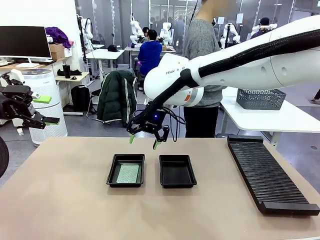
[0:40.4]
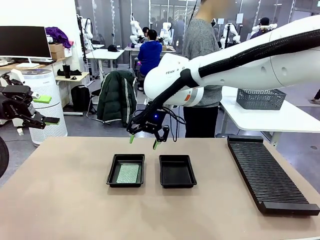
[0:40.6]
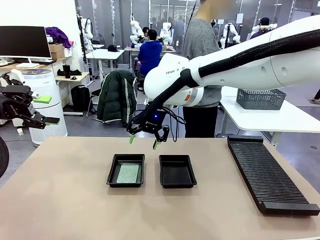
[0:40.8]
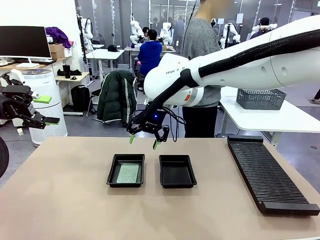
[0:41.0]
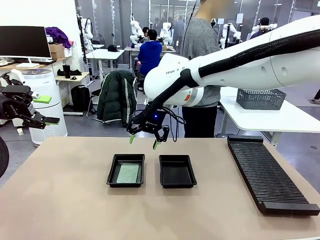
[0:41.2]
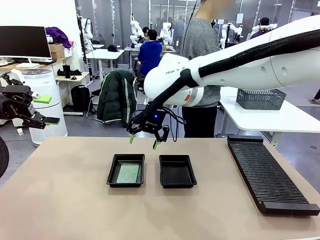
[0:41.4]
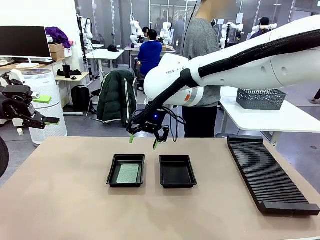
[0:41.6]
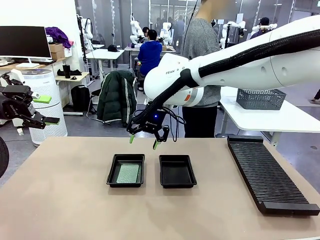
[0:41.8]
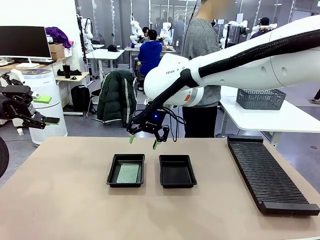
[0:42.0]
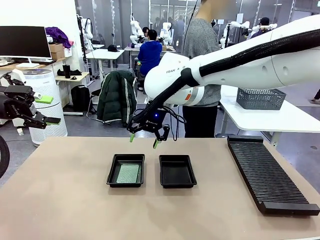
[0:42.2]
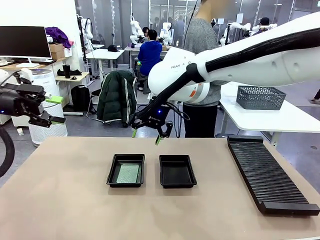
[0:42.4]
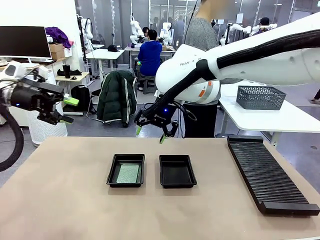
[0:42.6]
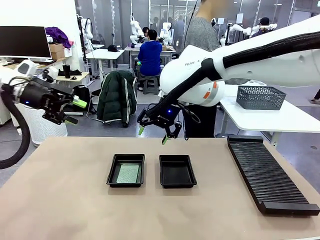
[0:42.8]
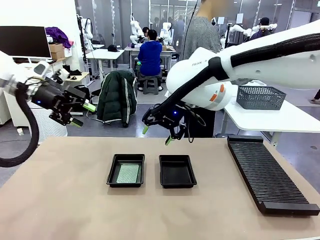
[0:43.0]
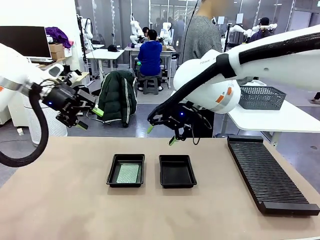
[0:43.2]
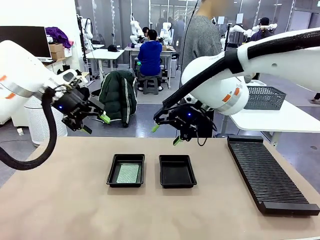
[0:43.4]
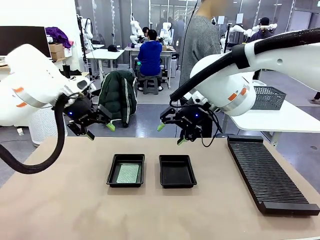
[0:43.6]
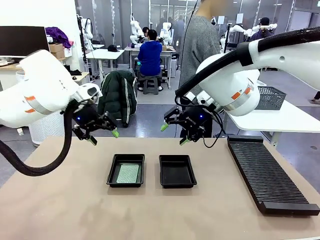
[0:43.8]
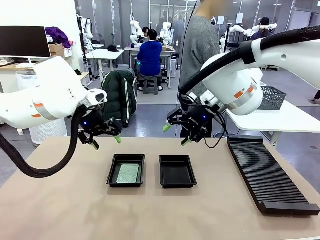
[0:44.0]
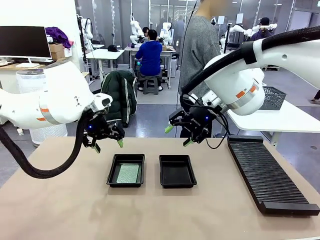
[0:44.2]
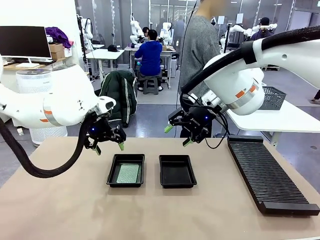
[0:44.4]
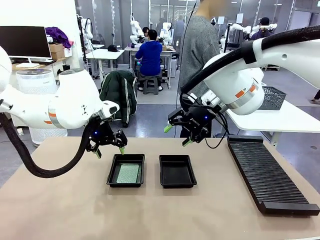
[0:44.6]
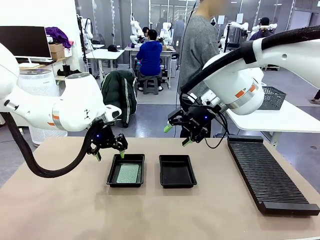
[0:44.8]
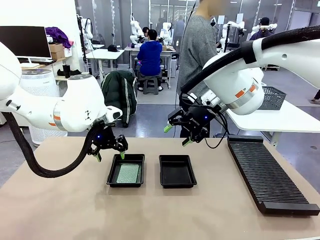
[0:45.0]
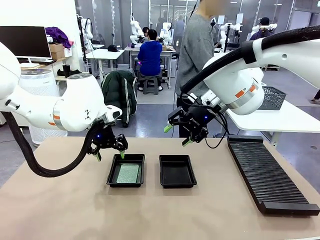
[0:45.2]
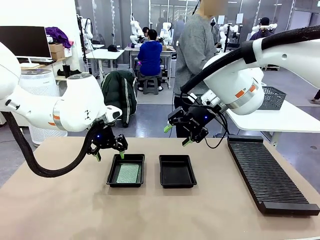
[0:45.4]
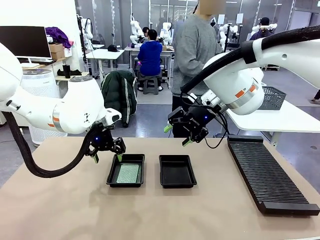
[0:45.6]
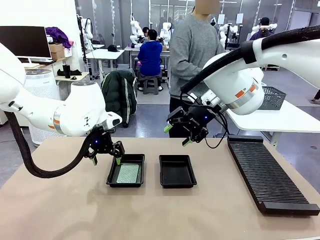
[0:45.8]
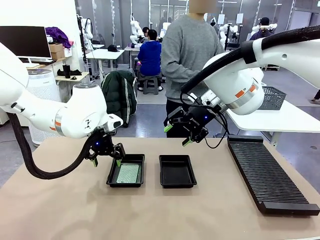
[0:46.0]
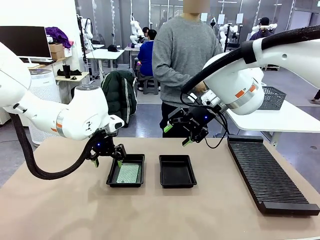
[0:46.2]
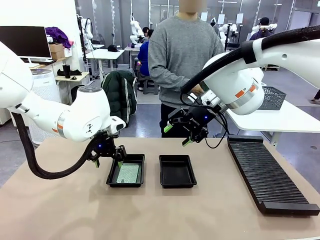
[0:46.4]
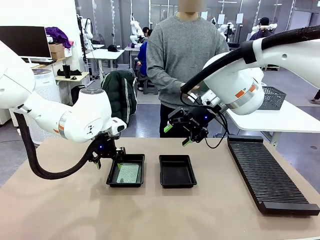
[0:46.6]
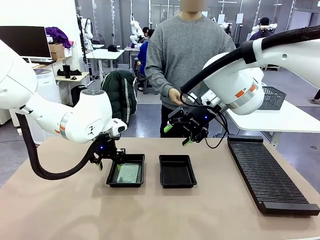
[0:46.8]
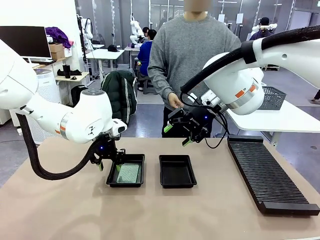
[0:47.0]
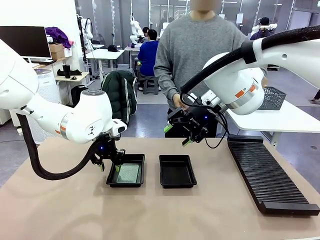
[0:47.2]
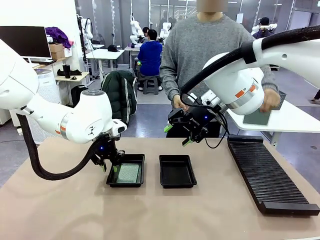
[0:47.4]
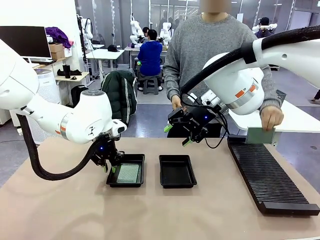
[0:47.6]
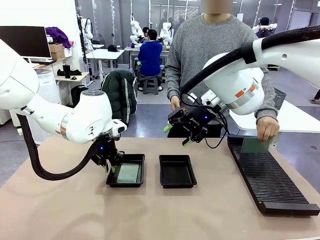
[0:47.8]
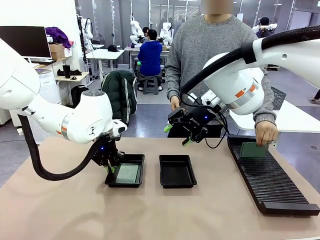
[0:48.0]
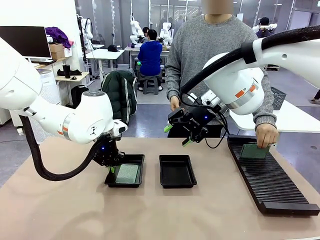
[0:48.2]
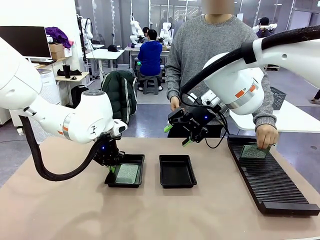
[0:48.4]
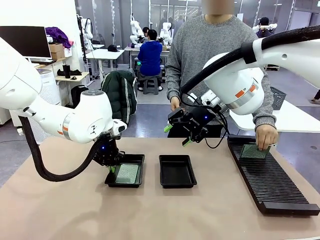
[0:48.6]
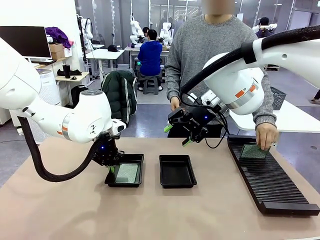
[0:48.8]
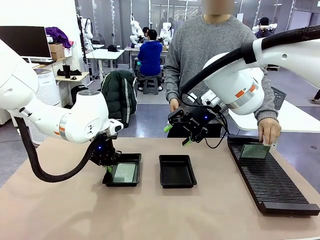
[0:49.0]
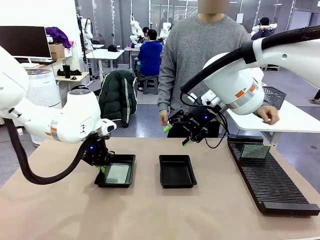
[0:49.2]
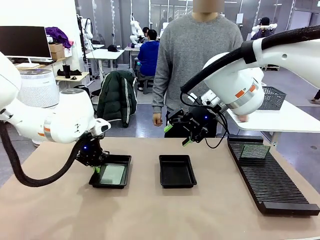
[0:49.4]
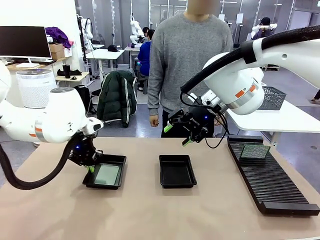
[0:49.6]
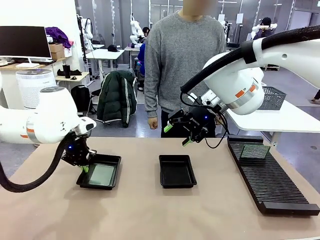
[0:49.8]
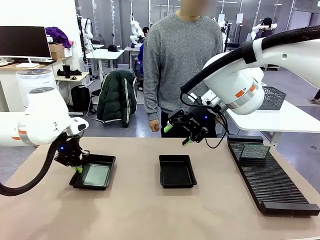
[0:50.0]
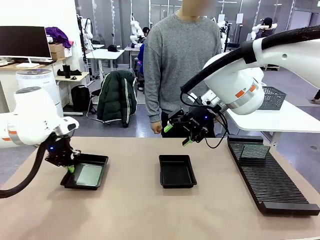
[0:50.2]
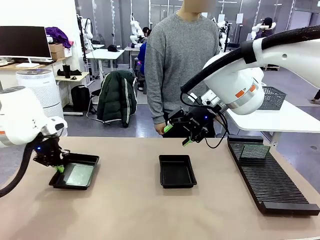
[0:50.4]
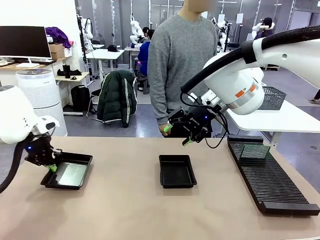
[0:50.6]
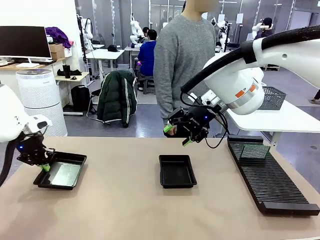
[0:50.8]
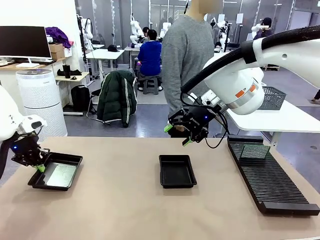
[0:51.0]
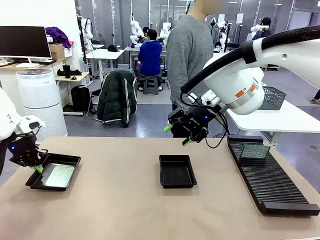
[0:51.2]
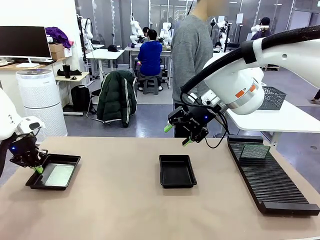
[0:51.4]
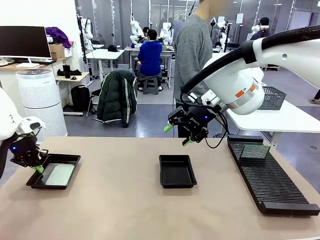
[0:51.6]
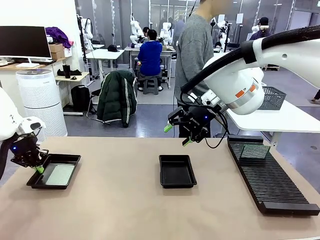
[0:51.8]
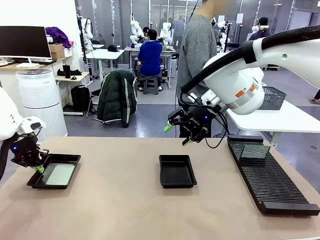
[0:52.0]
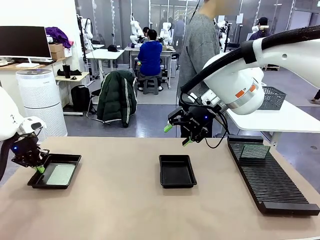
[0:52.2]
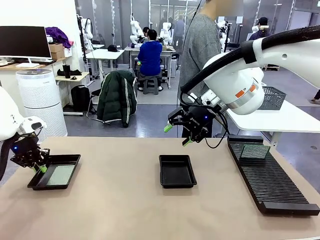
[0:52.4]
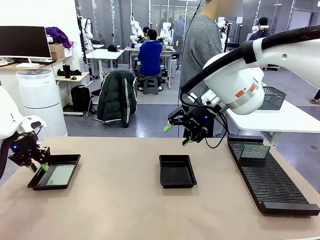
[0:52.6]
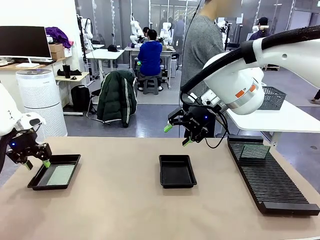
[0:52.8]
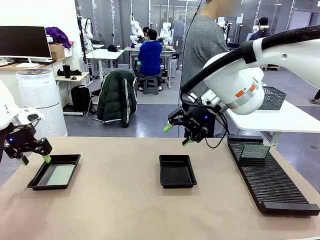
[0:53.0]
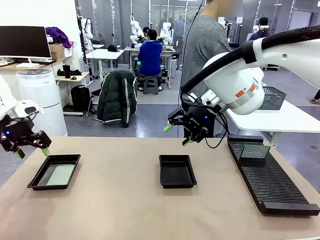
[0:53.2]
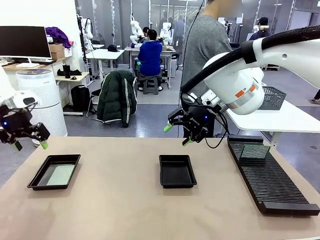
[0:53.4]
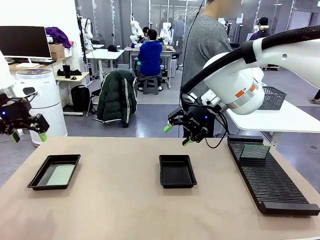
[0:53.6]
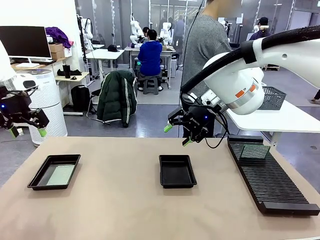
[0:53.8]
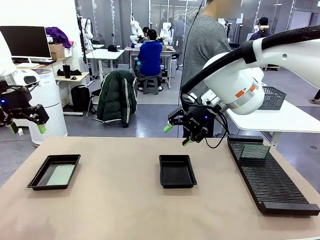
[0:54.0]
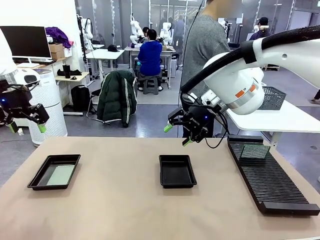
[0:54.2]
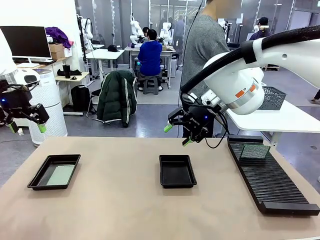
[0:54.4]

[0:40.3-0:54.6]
Task: Inspect and transfer BCBs to ESD trays.
Robot: Pick up the ESD tray and place it on the left side of the table.

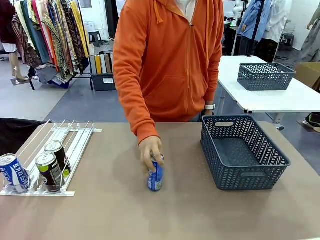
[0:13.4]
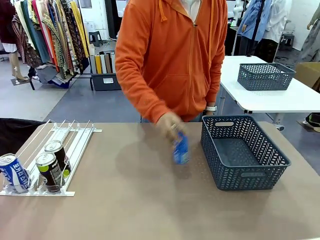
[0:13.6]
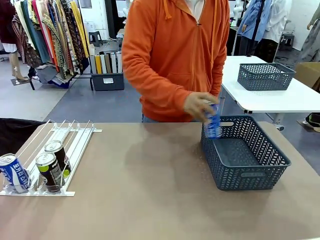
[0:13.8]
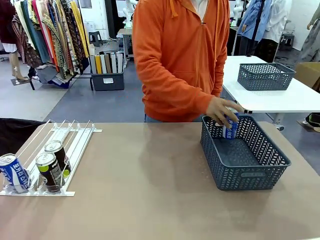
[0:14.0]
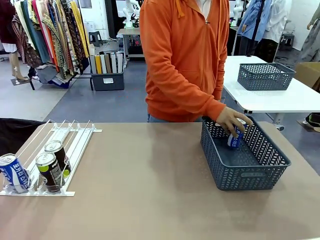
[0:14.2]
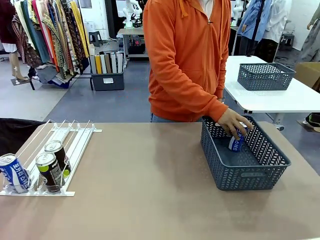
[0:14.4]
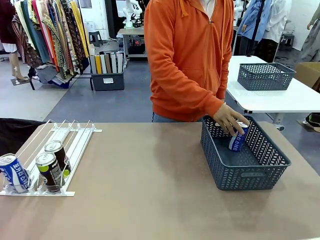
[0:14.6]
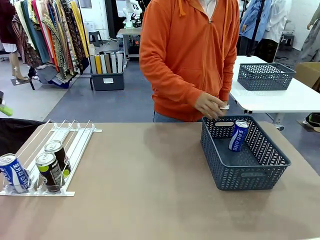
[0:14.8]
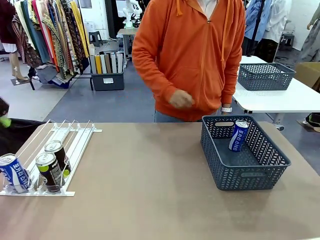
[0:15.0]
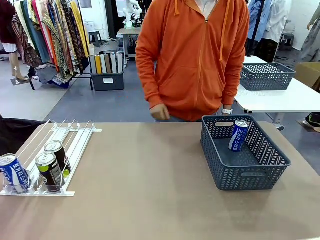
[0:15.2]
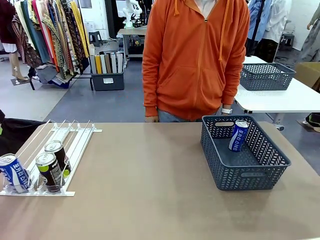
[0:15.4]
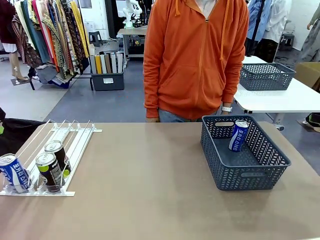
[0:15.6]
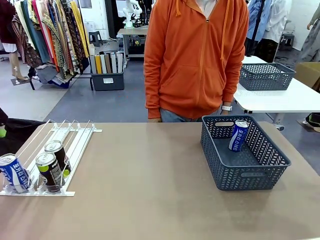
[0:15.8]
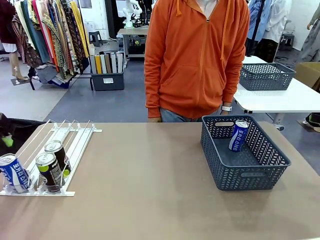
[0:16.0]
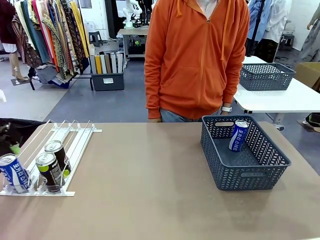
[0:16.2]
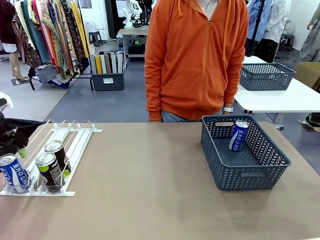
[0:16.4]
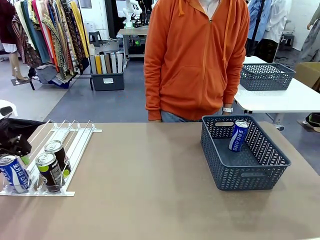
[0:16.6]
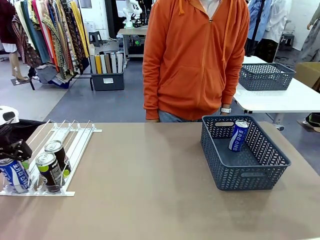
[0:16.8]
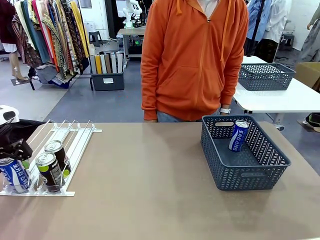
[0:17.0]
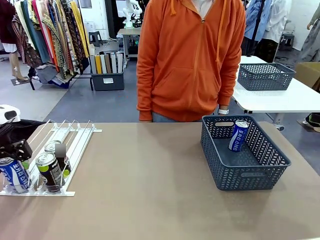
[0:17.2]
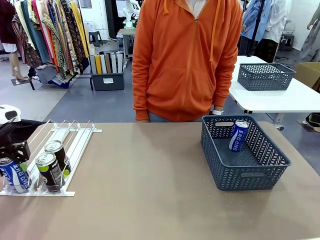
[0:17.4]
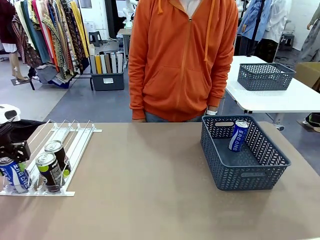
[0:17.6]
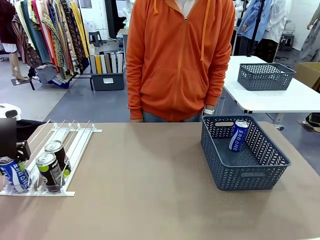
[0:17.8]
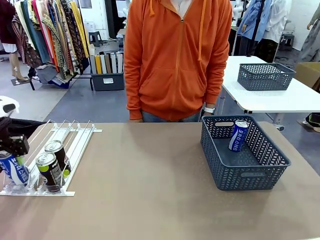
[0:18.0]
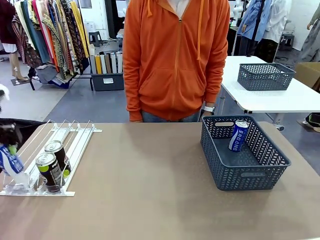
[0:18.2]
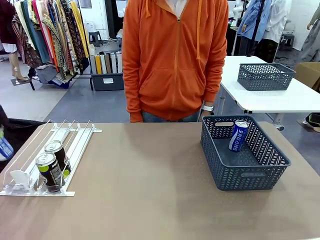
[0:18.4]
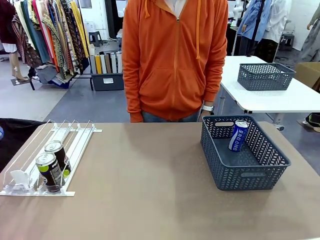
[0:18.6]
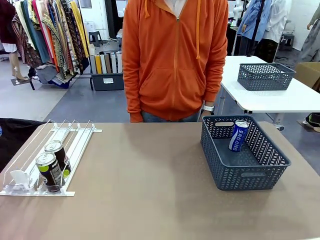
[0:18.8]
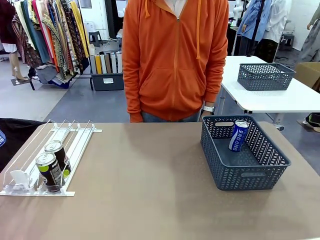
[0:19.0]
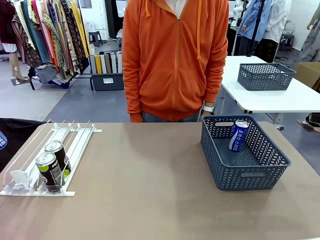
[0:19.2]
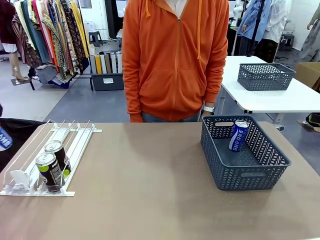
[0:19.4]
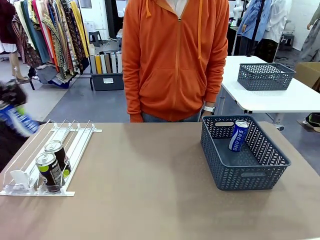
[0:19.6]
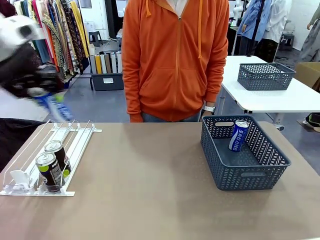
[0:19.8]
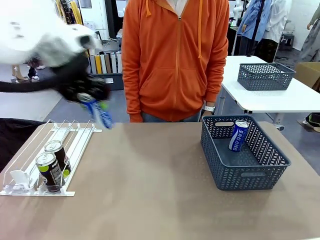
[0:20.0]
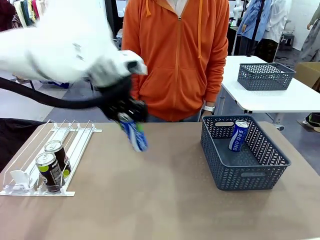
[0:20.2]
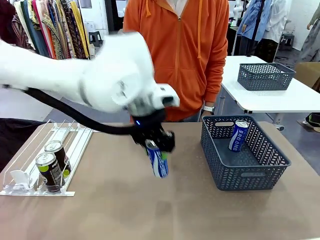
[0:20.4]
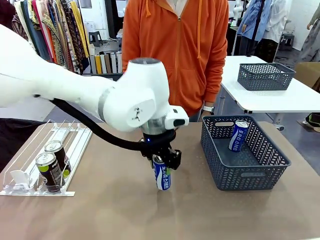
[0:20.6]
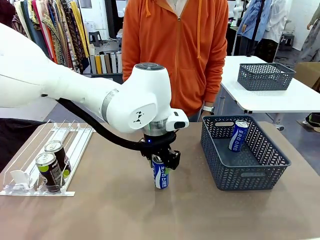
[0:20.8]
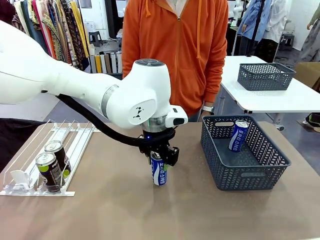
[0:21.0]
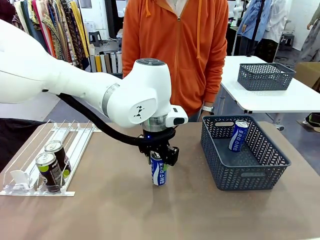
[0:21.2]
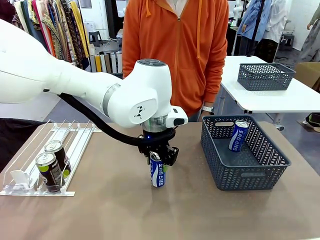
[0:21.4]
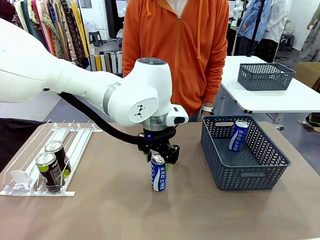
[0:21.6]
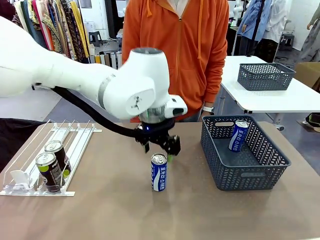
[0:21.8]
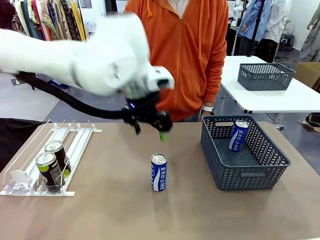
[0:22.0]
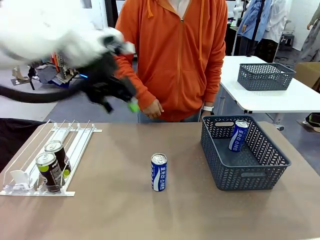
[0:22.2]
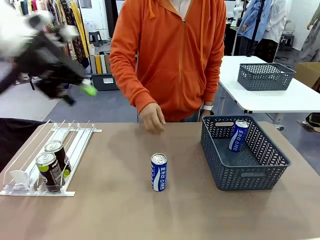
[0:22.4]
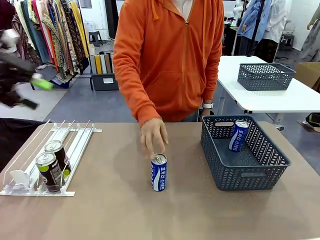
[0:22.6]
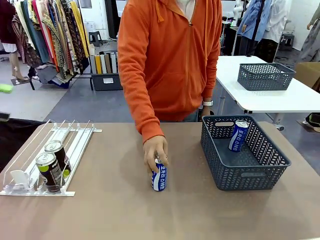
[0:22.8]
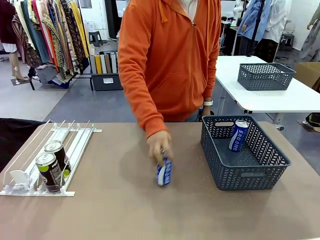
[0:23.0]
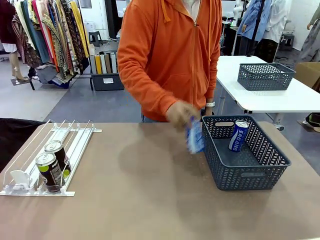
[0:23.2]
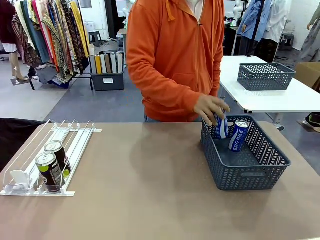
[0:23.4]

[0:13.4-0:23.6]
Task: Retrieve and store the cans from the dispenser.
Robot: Pick up the last remaining can from one row of the Automatic Can Dispenser and place it in the middle of the table.
Person: Pick up one Pepsi can from the middle of the robot table and place it in the basket.
